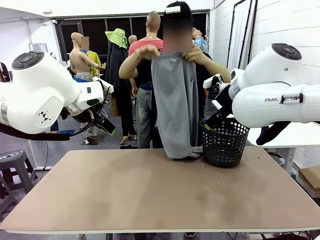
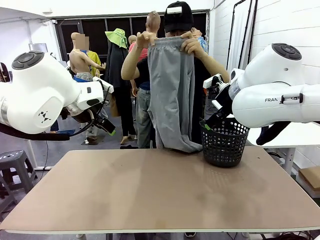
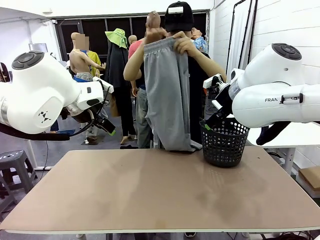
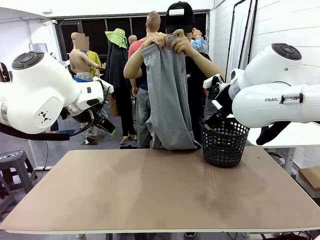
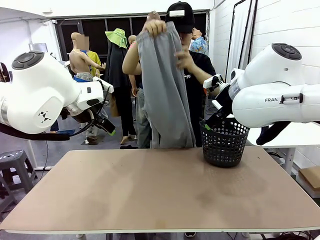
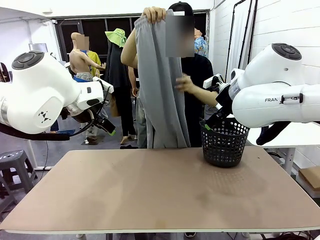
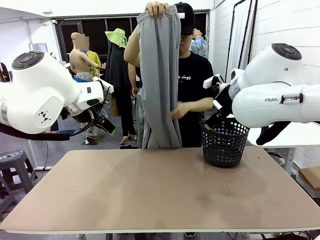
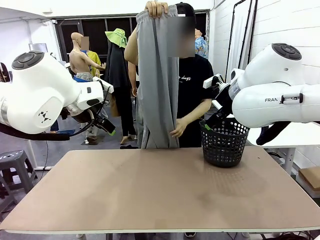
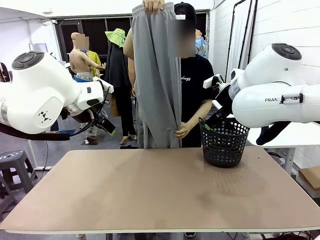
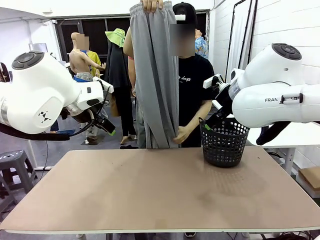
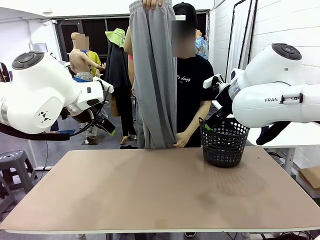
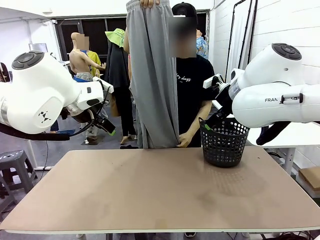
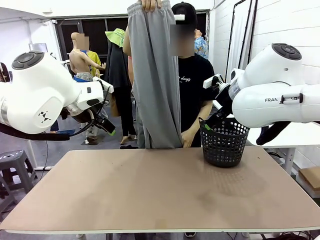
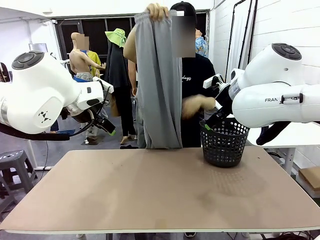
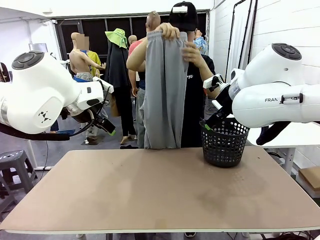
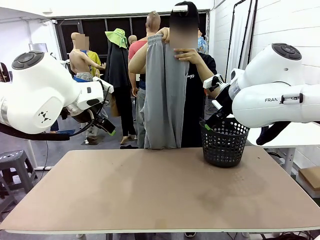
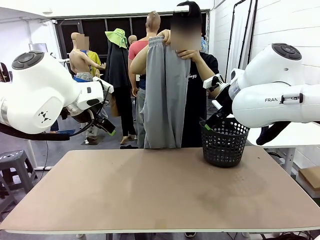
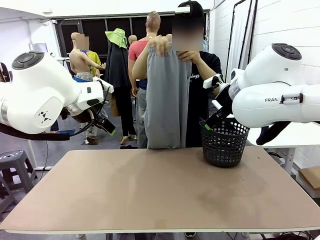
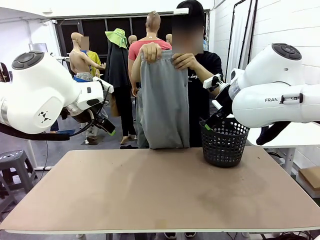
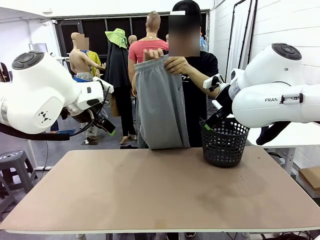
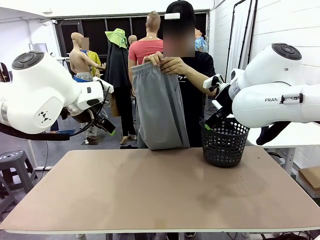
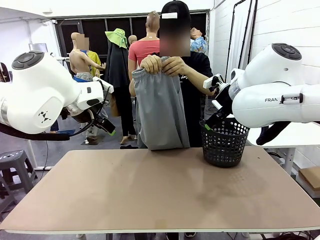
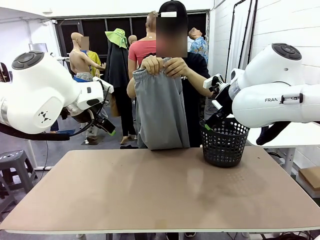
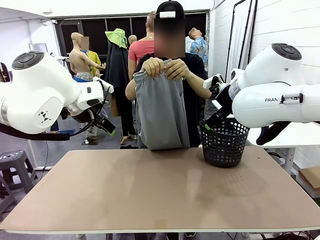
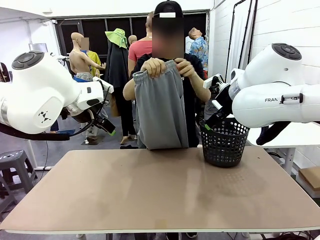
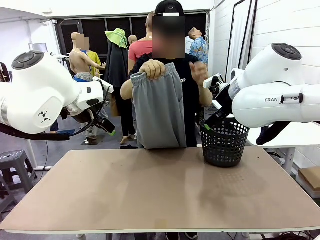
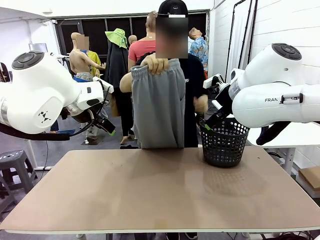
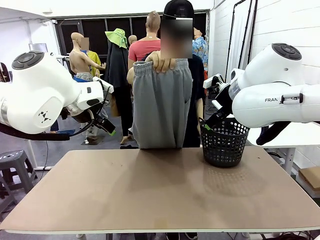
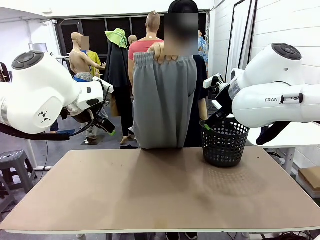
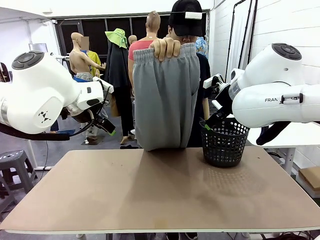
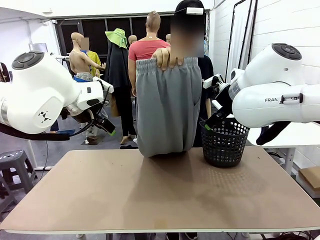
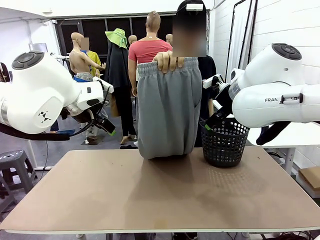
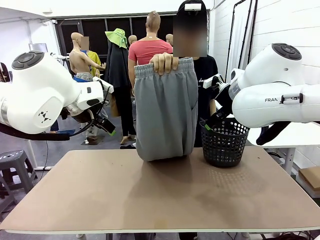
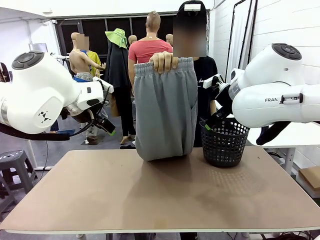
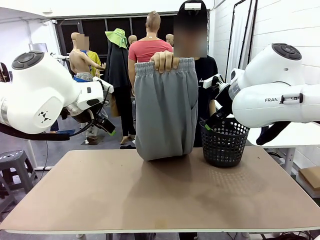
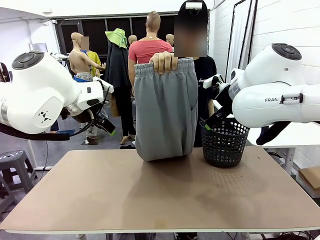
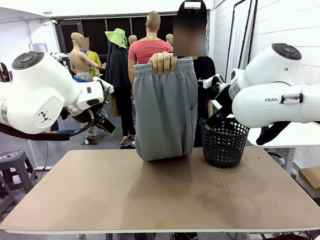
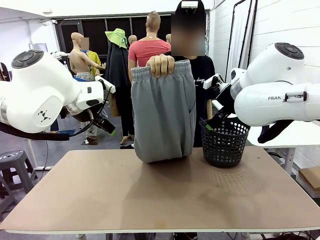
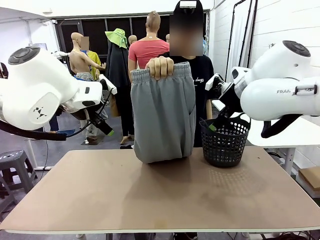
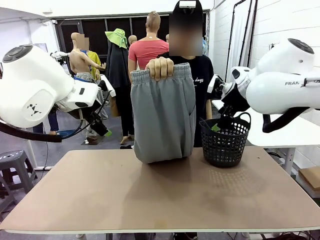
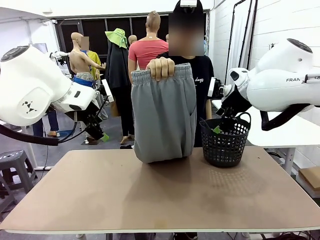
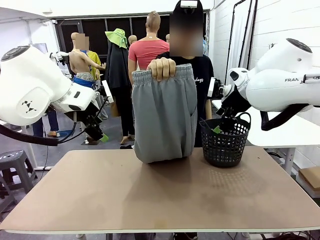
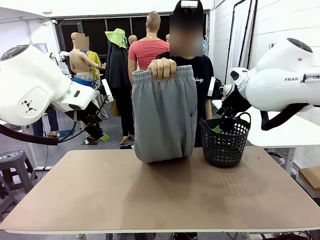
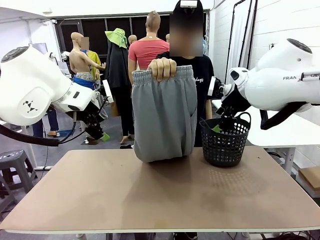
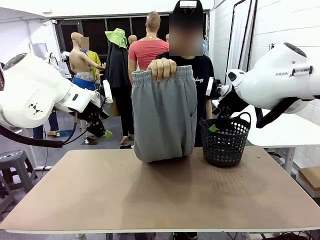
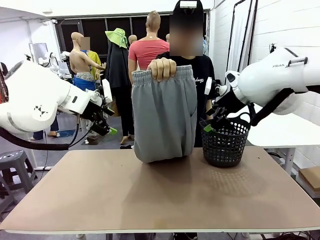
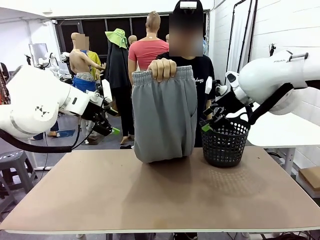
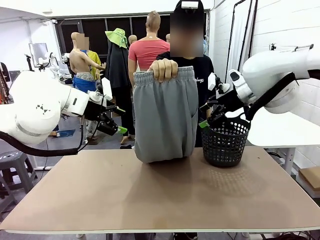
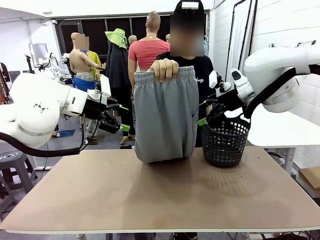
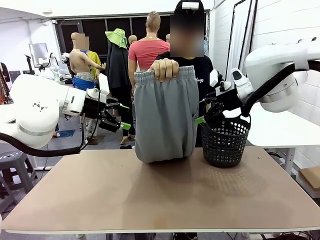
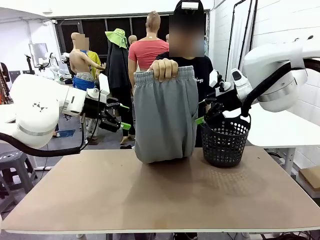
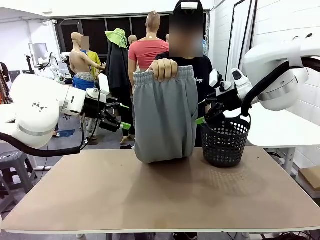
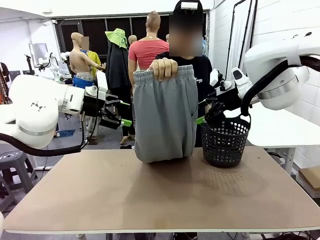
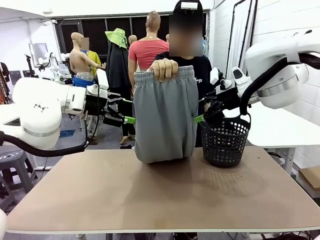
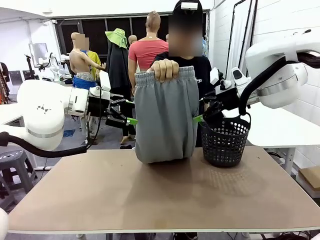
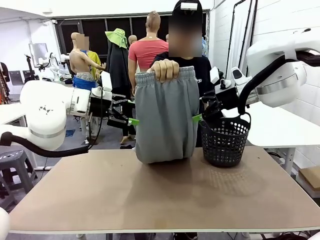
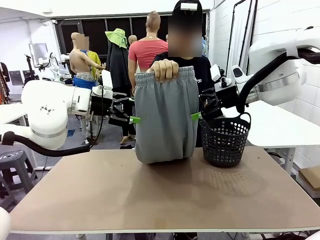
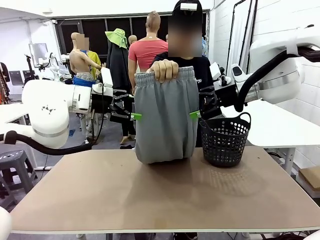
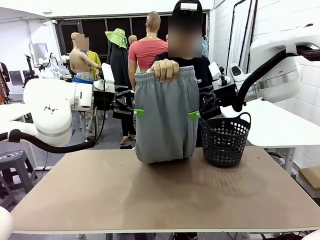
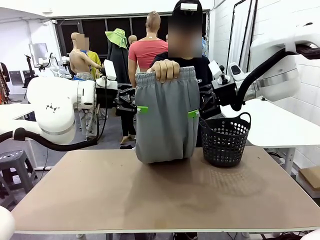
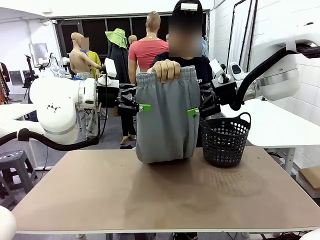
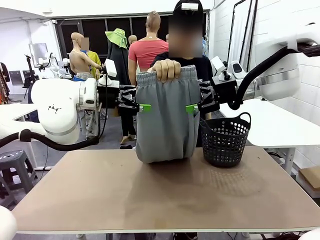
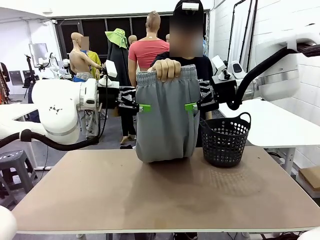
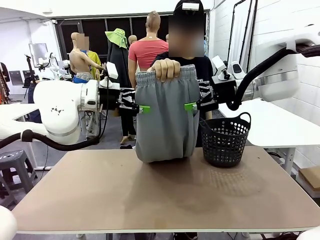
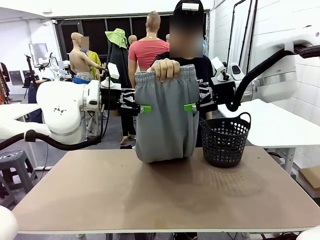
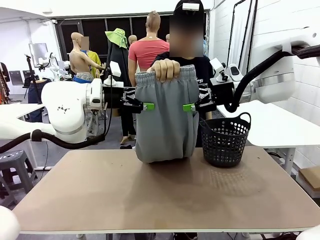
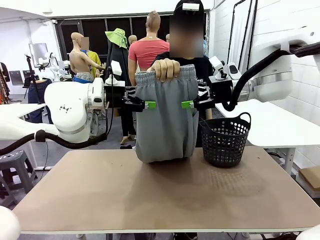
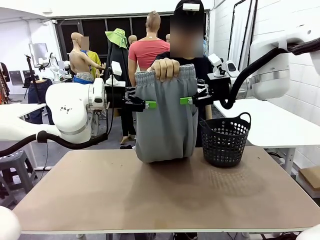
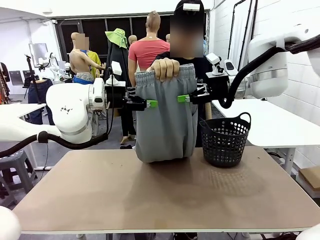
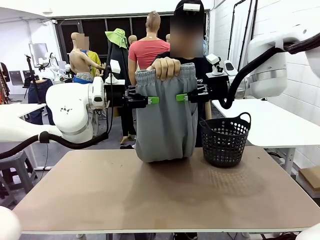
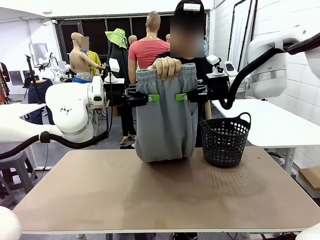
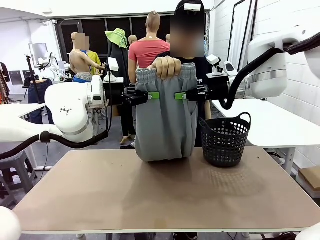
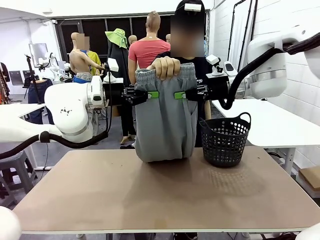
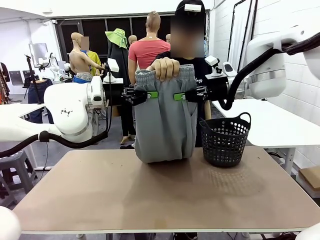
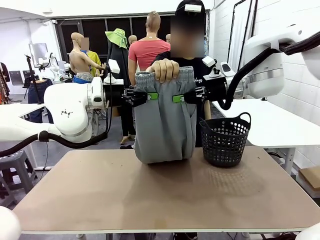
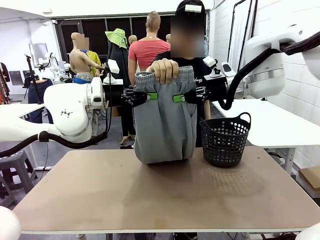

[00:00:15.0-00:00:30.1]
Task: Fold the training pants.
Robot: Grab both ends of the Training pants handed by a person.

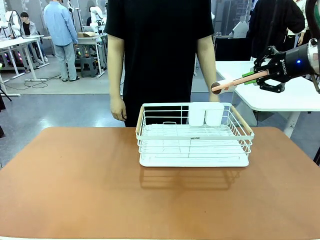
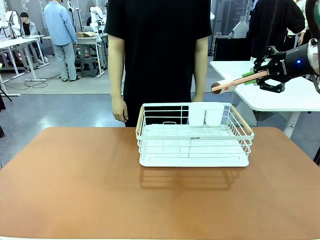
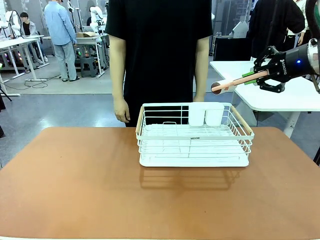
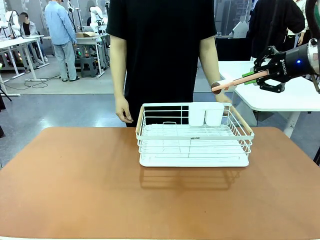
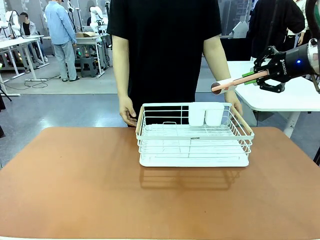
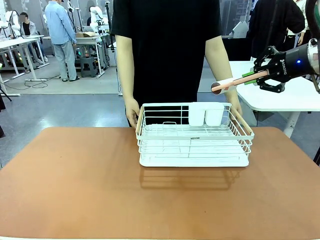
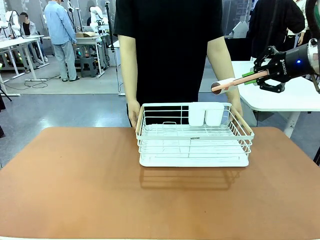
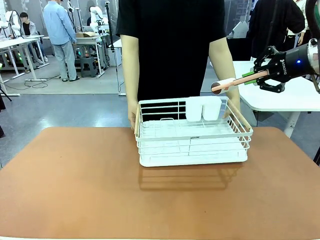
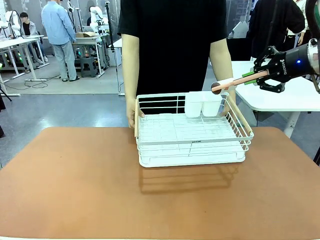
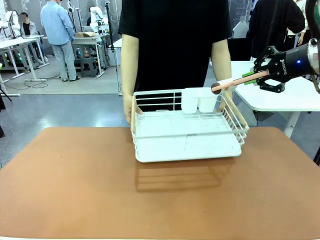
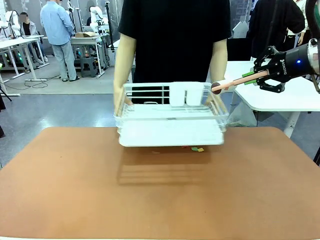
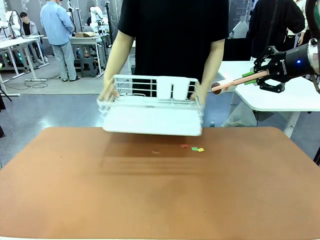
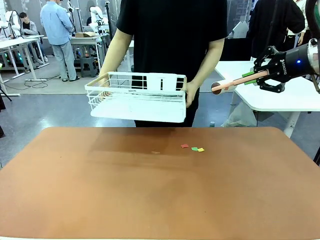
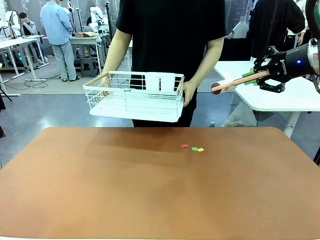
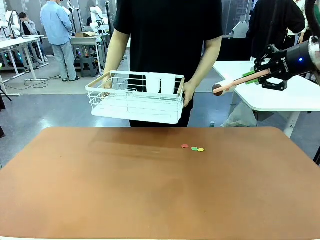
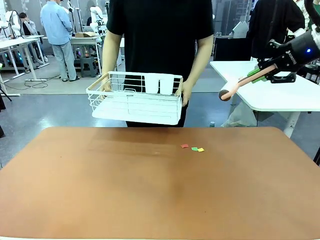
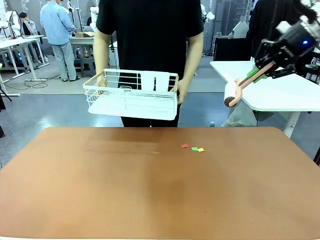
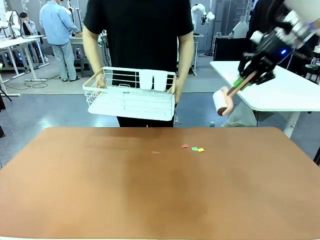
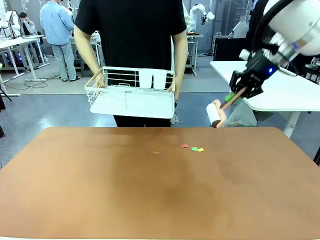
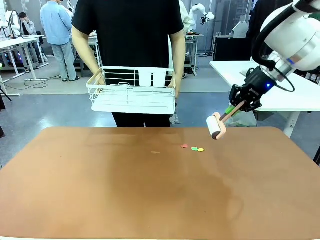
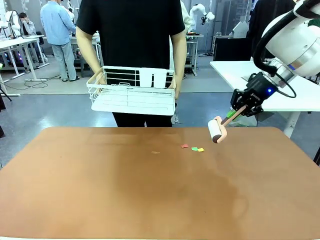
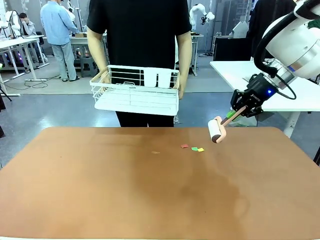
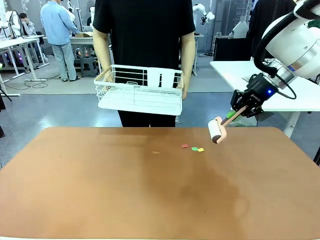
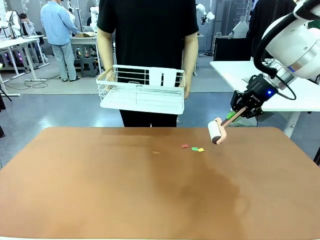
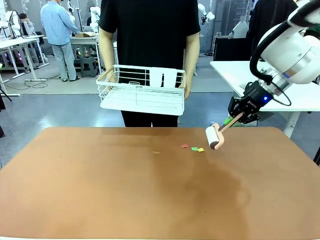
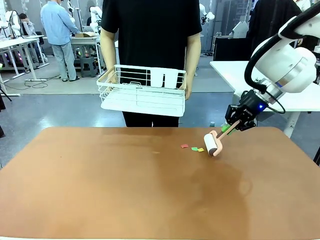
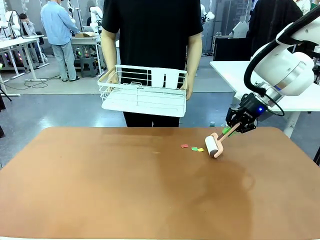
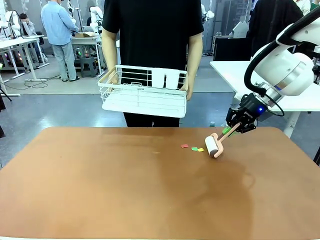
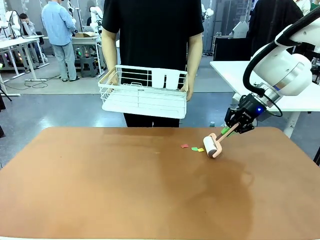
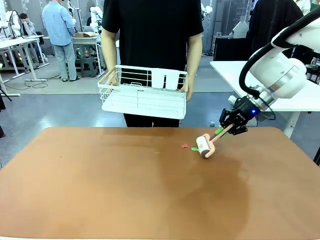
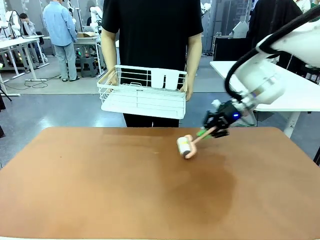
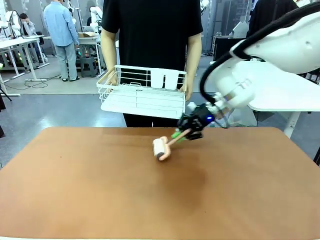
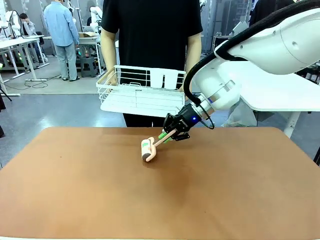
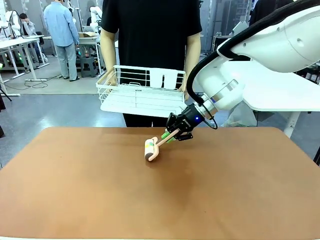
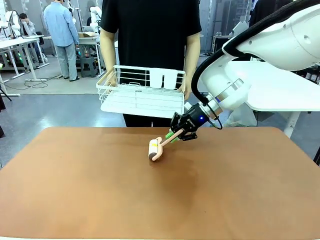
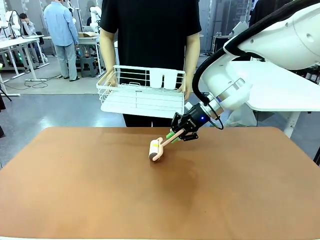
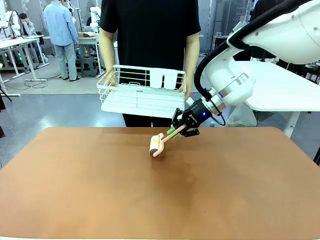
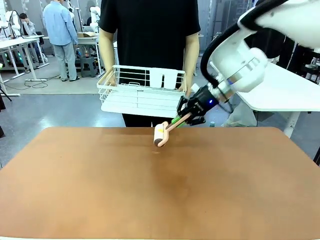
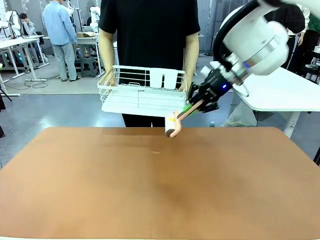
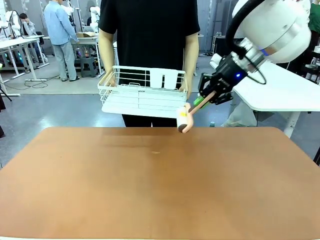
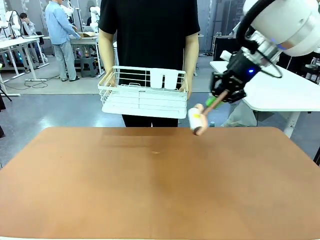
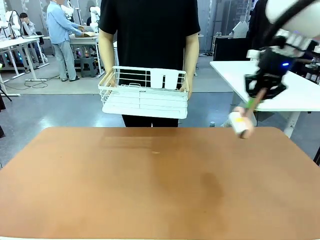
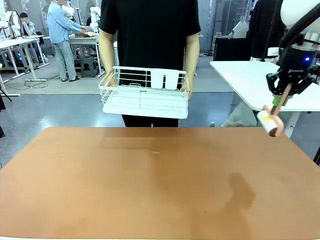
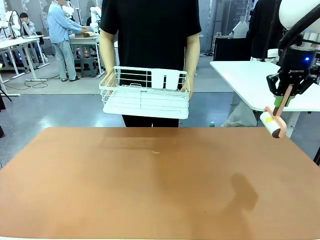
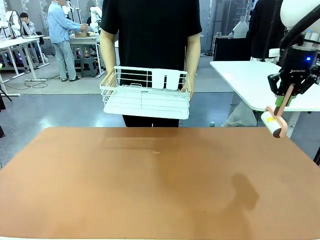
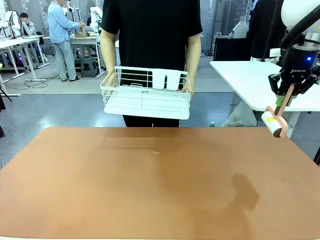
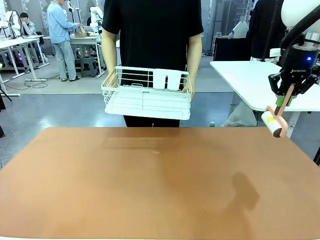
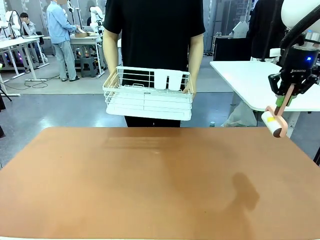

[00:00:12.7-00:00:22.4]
Task: Clean the table.
Robot: Clean the table with the Lint Roller when the human lifts the Dish drying rack.
